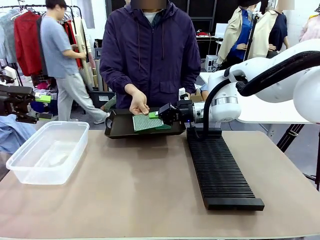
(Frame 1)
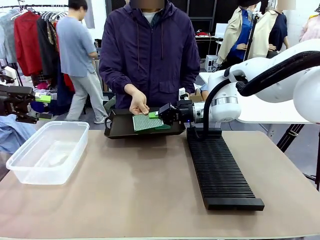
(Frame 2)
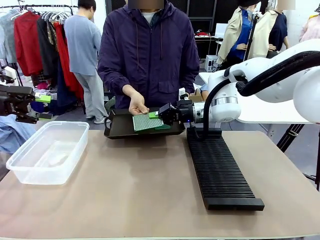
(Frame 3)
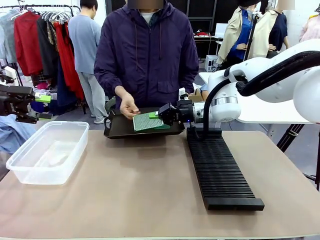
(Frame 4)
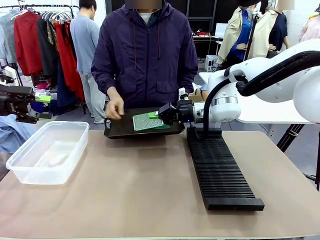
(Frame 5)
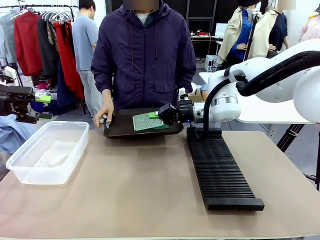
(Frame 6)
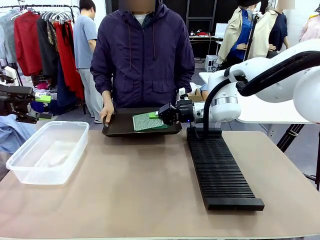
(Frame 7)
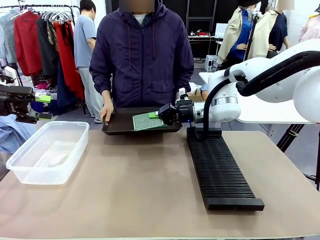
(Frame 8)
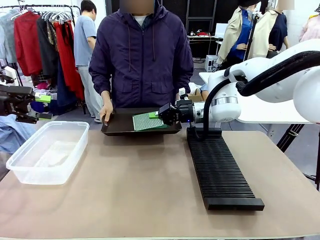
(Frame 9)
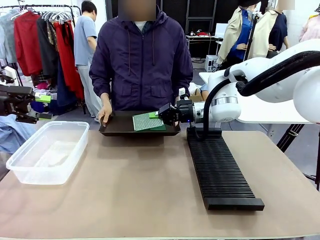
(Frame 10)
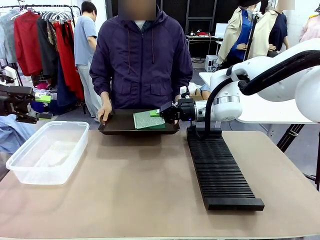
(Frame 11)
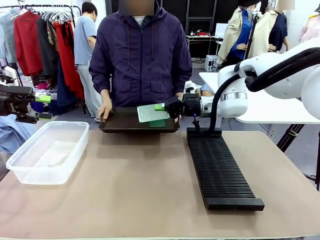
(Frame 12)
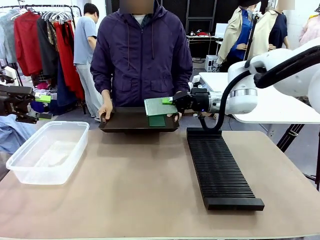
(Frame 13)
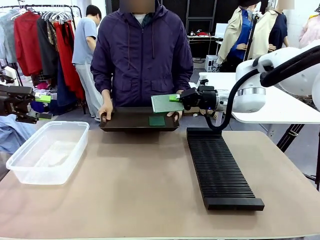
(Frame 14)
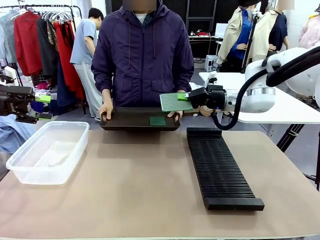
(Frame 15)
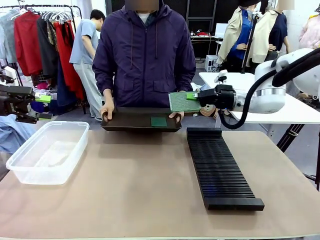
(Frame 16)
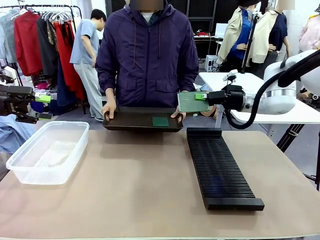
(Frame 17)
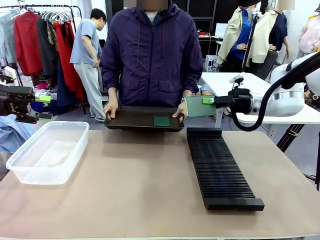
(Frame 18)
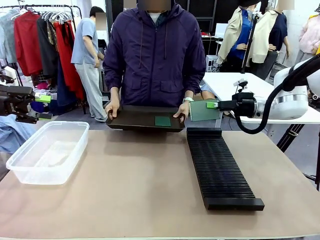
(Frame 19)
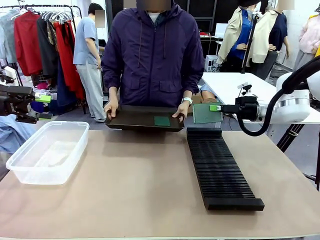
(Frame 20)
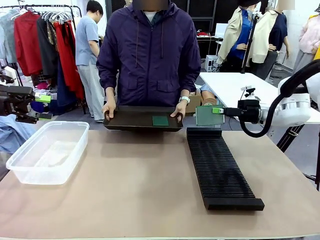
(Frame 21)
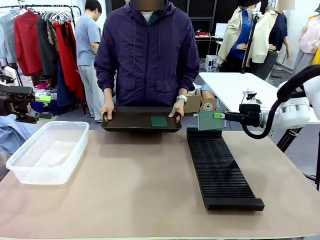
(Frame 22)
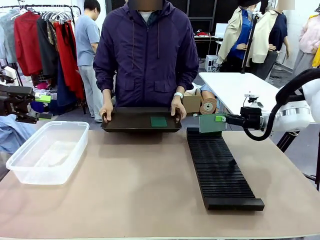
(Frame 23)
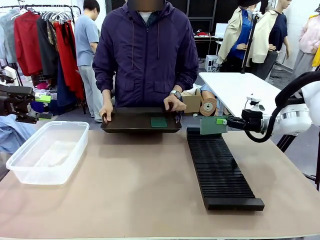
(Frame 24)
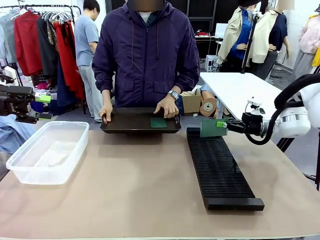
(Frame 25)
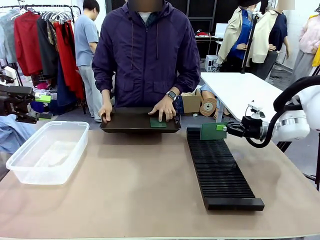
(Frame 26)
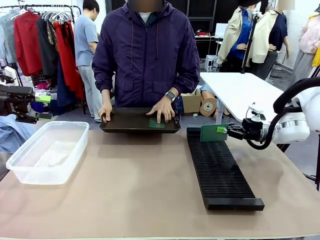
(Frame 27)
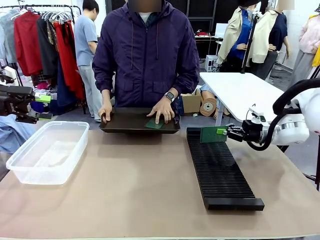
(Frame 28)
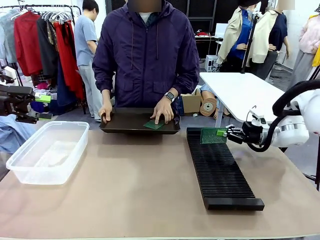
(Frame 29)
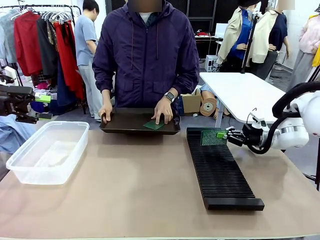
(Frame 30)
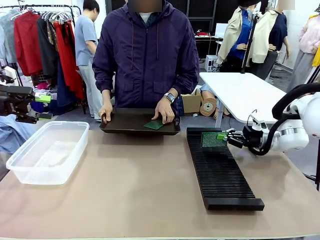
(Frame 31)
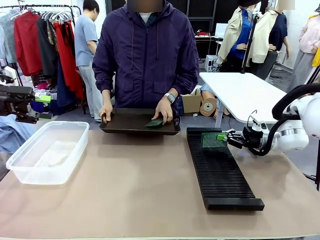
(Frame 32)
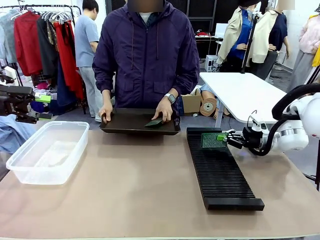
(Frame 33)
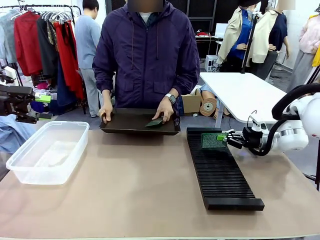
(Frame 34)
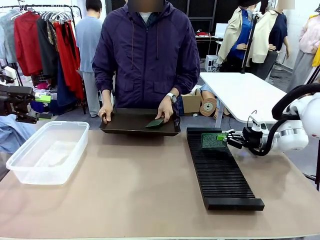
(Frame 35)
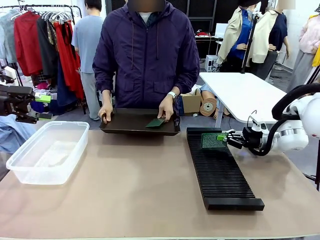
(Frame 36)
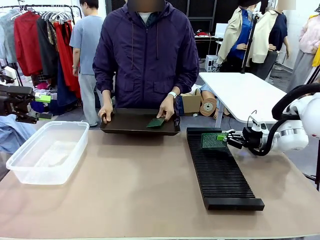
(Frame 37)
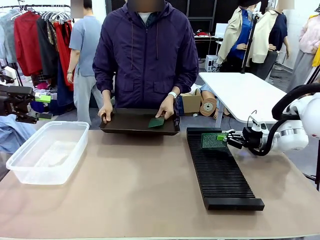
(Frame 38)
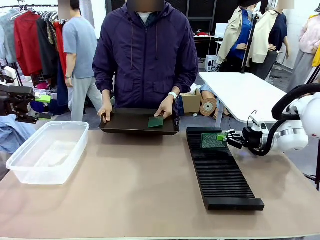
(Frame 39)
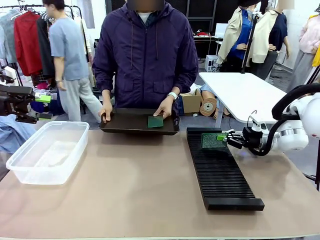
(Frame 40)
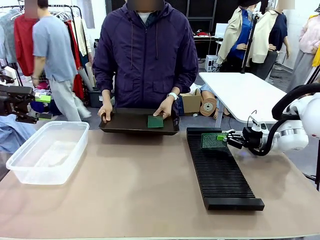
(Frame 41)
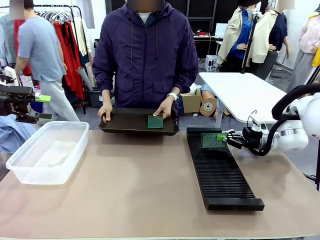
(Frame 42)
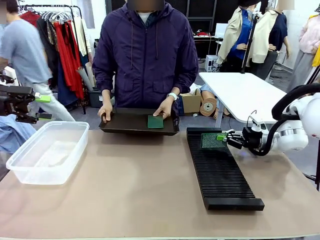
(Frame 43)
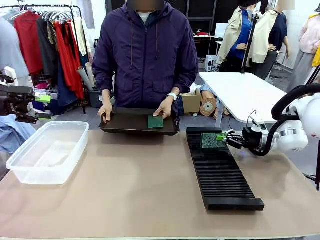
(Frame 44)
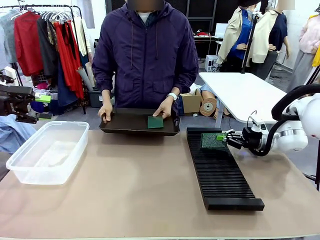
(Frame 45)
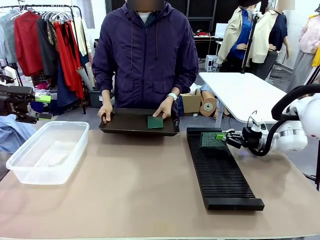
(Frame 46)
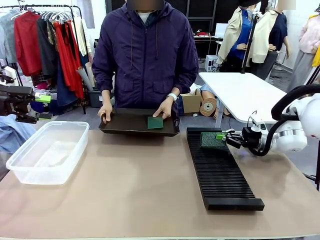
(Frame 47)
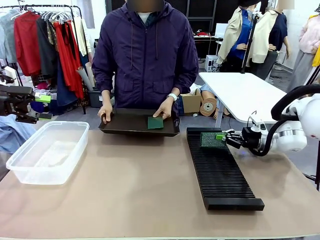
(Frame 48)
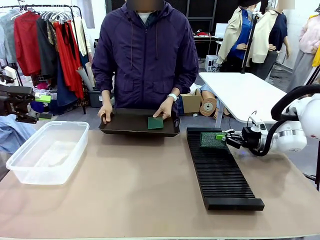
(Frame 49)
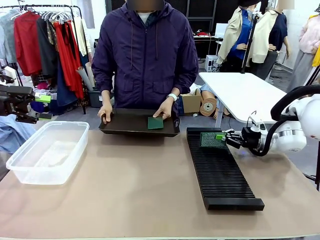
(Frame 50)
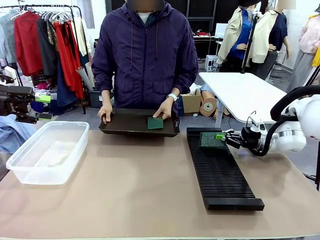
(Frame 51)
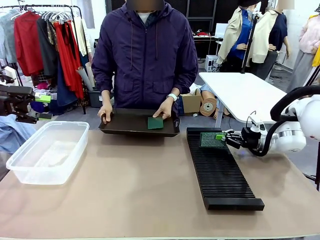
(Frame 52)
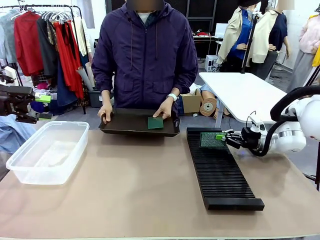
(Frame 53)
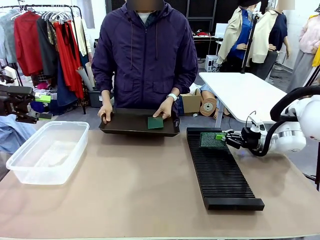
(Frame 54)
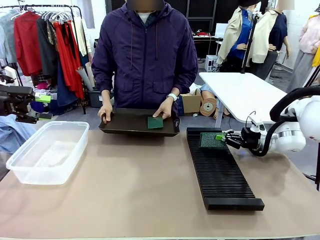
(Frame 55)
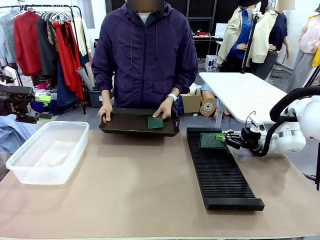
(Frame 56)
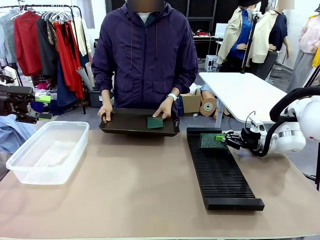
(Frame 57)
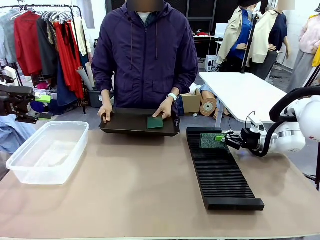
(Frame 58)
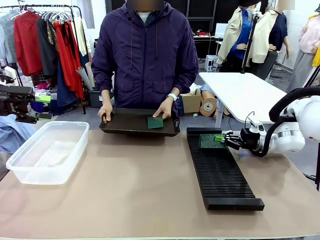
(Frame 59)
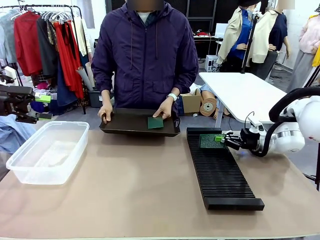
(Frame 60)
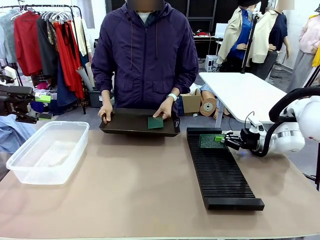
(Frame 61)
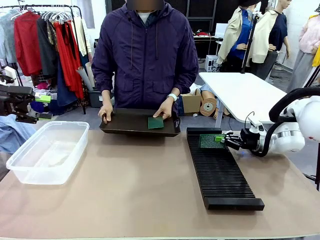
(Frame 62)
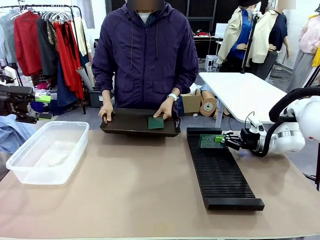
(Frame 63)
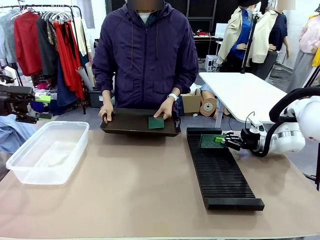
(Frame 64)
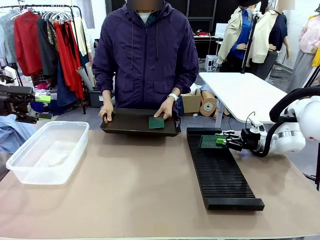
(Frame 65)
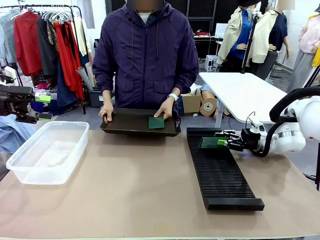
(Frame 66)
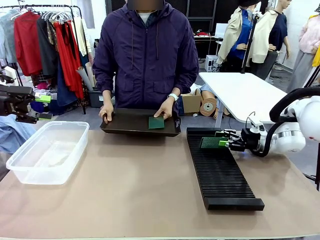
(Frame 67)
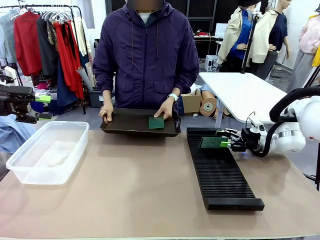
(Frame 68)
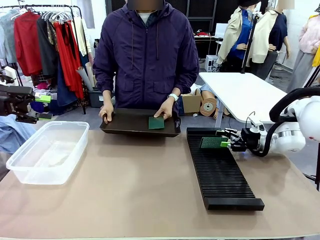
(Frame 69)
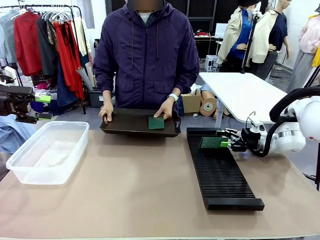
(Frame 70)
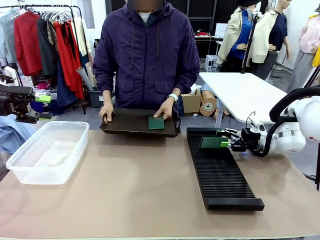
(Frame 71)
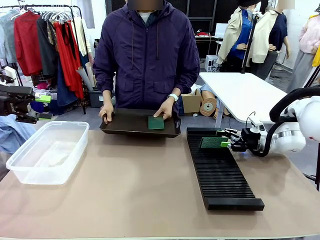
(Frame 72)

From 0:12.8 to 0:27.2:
Task: Sort PCBs into racks and boxes based on the side picked up.
Robot: If the short side of the Blank PCB is picked up, insert it into the PCB Rack ; if the long side is picked up, place it in the Organizing box.
Person: Pick one PCB from the tray and present it to the robot.

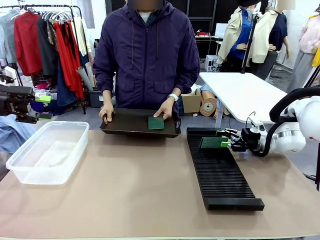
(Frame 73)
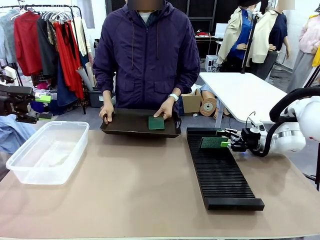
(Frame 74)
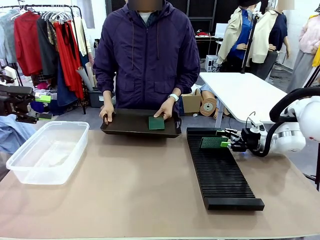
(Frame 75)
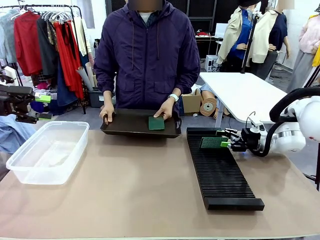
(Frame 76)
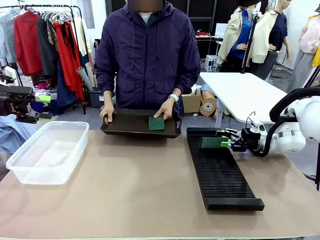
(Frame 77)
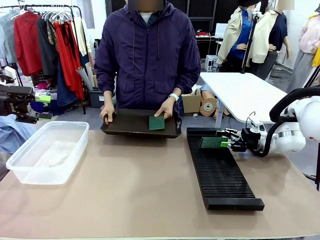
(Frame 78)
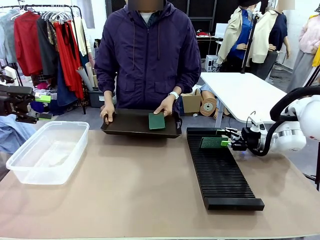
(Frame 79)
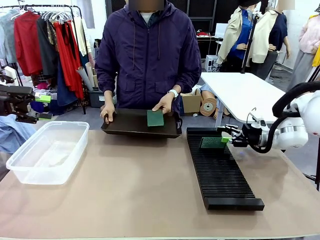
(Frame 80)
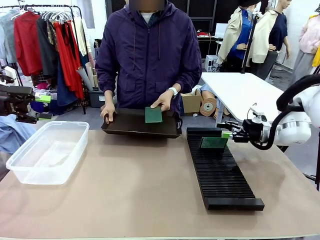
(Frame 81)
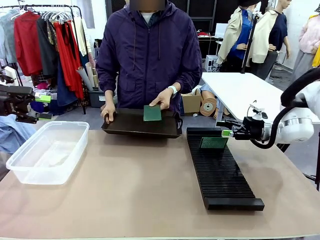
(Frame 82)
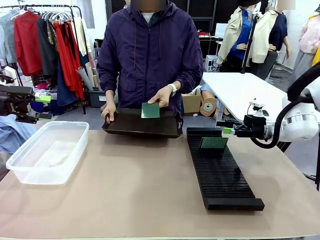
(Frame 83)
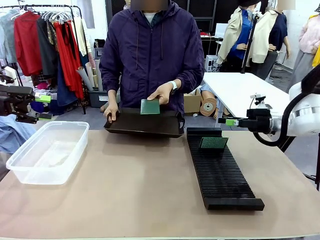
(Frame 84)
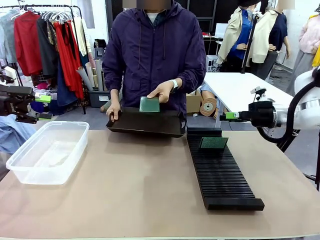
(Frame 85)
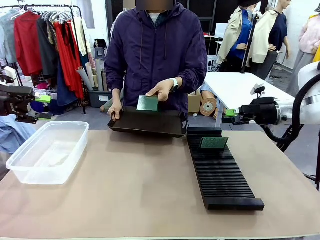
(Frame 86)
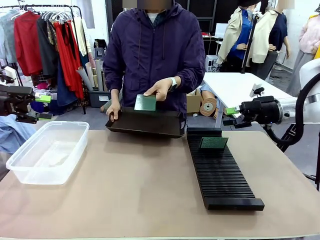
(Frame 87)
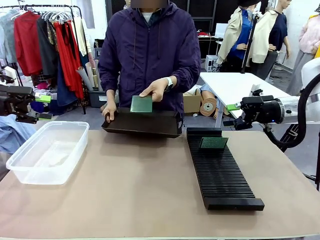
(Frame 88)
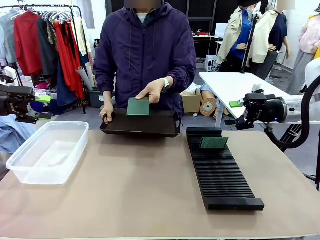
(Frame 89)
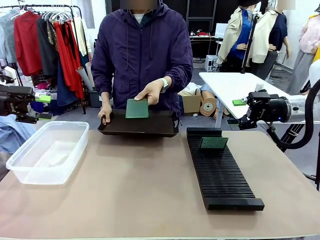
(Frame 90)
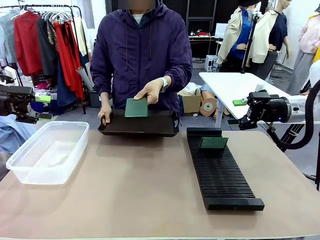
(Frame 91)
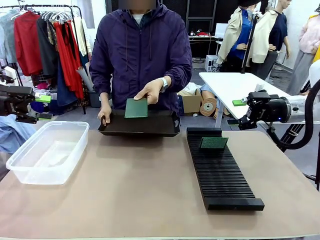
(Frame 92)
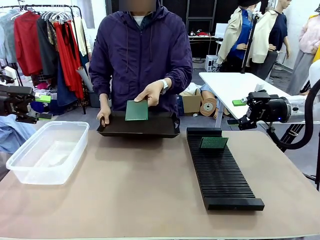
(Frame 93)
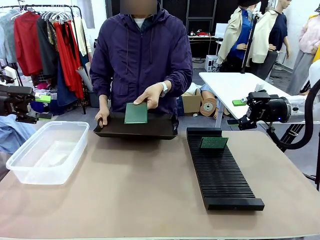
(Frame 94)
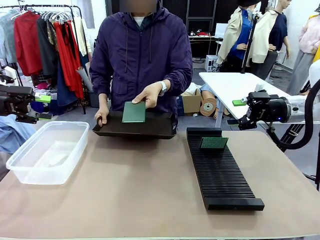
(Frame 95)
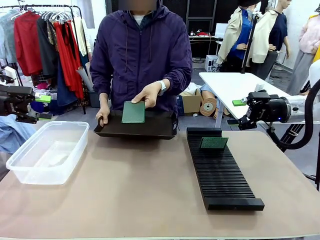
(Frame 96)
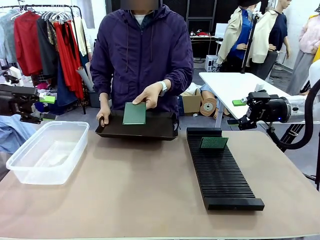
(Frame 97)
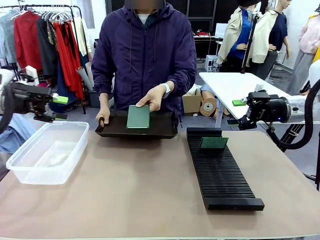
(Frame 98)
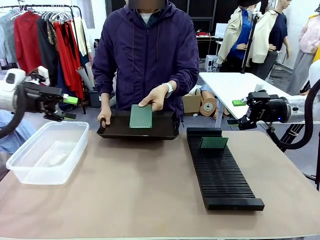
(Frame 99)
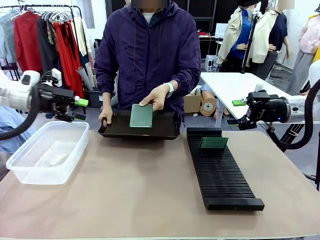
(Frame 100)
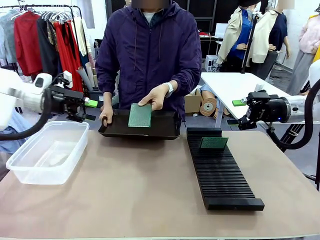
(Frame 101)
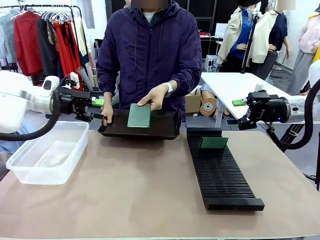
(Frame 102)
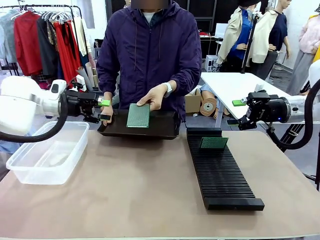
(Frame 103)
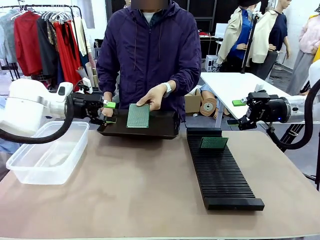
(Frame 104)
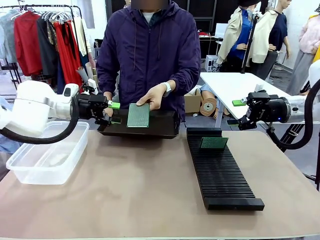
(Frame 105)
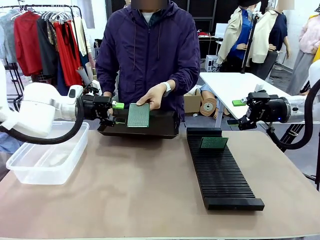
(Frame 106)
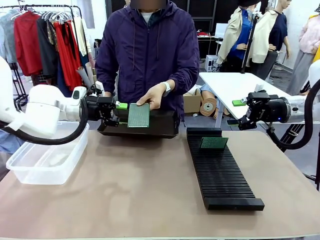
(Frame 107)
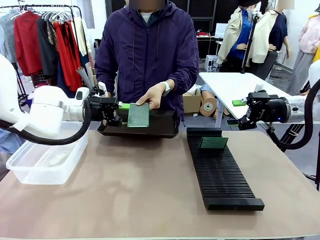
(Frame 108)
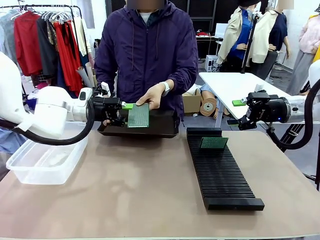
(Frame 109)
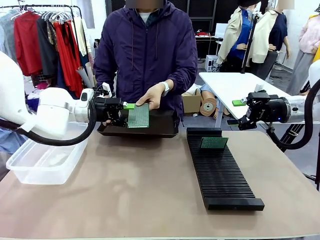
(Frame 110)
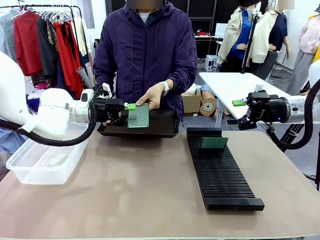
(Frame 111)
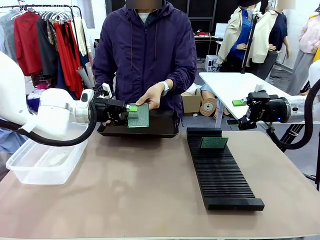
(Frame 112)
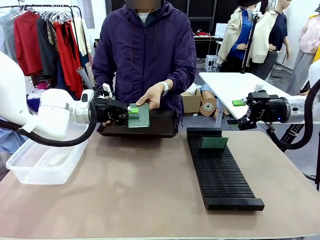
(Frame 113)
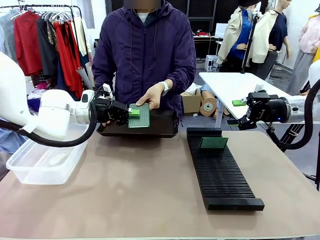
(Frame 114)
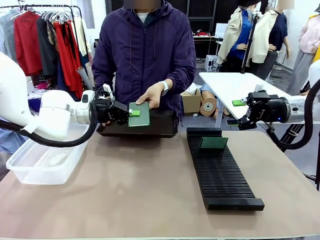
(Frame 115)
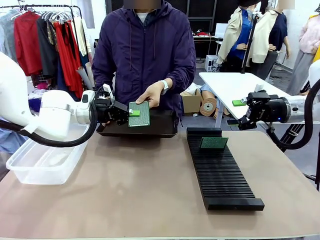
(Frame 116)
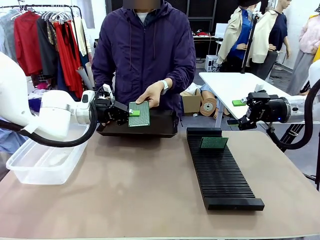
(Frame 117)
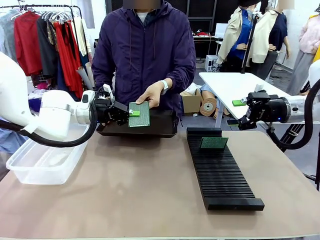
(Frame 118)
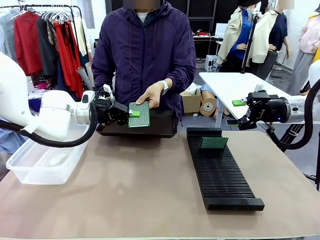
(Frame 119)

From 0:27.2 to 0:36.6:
Robot: Pick up the Blank PCB handed by the Human.
